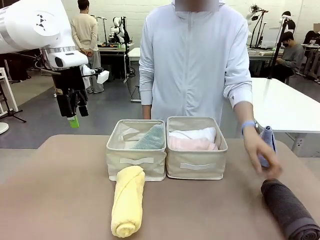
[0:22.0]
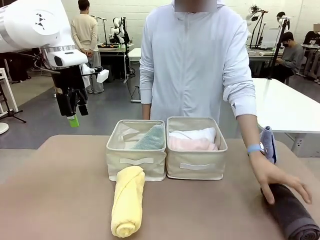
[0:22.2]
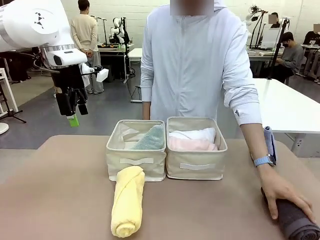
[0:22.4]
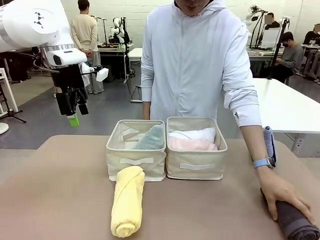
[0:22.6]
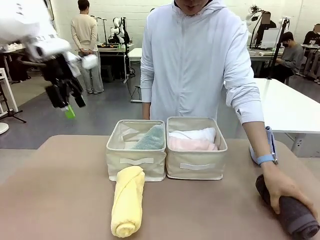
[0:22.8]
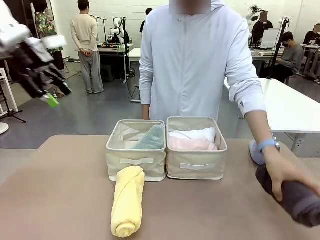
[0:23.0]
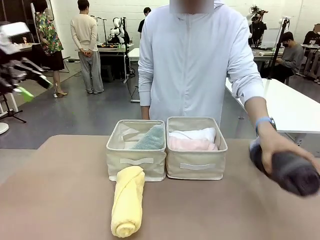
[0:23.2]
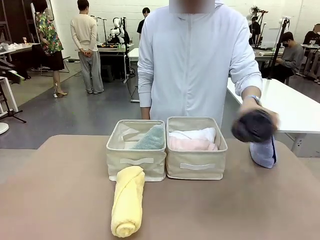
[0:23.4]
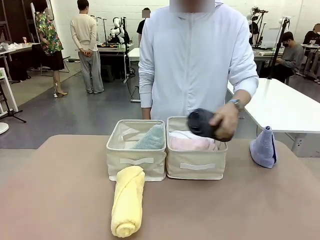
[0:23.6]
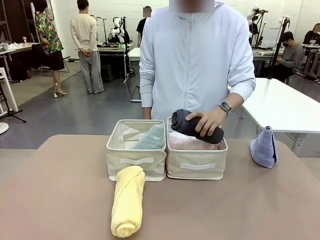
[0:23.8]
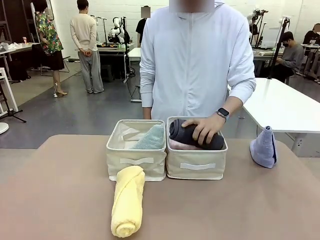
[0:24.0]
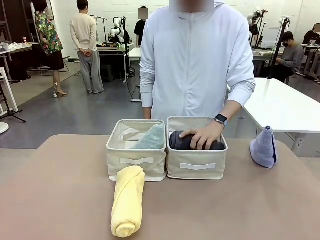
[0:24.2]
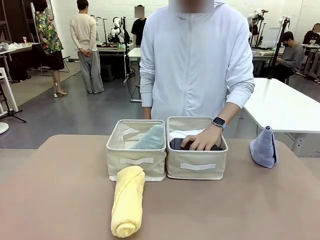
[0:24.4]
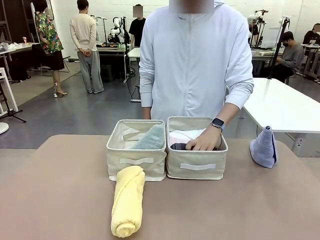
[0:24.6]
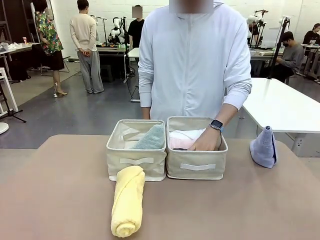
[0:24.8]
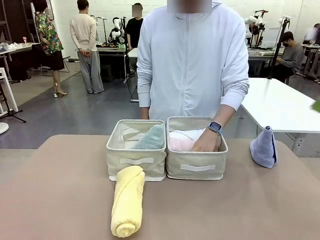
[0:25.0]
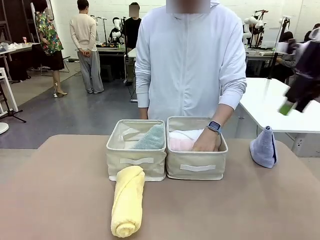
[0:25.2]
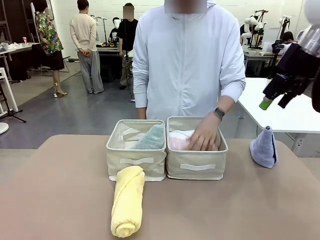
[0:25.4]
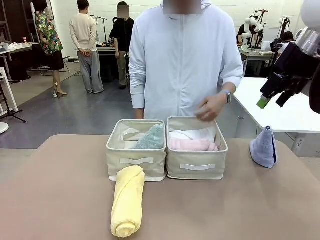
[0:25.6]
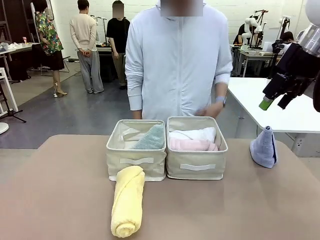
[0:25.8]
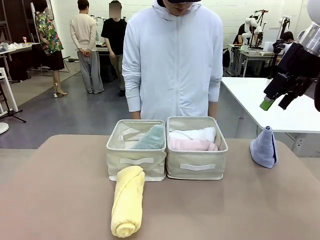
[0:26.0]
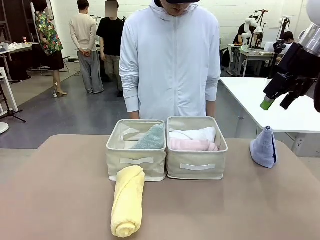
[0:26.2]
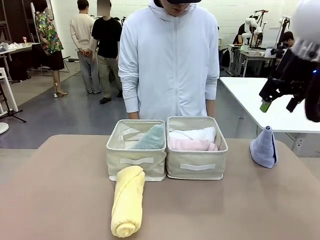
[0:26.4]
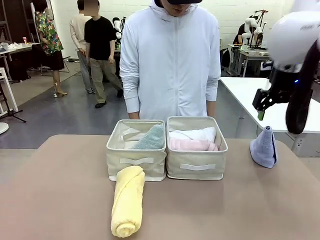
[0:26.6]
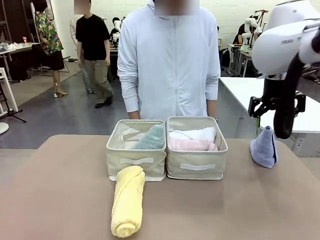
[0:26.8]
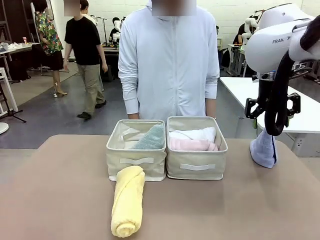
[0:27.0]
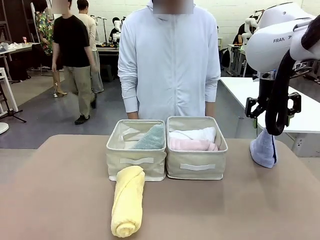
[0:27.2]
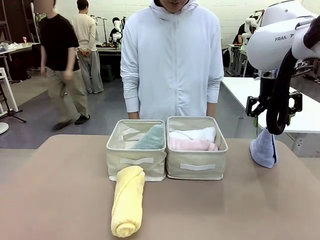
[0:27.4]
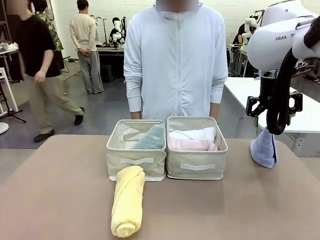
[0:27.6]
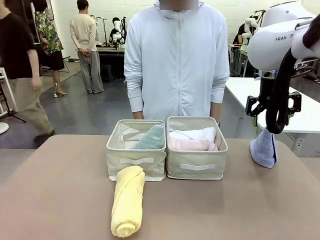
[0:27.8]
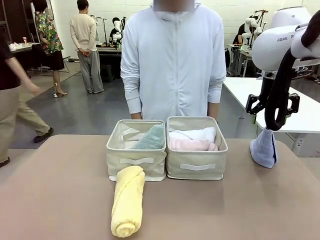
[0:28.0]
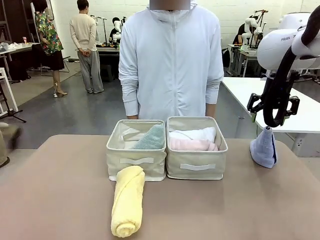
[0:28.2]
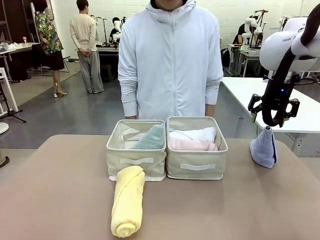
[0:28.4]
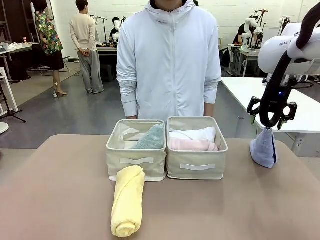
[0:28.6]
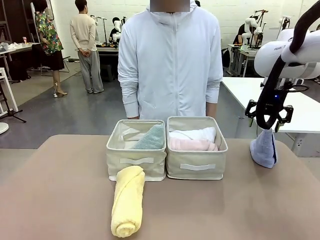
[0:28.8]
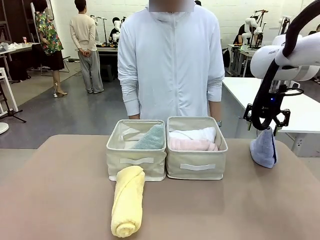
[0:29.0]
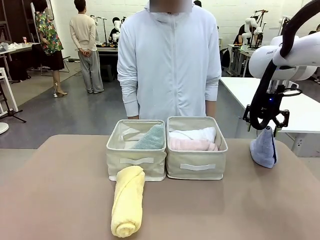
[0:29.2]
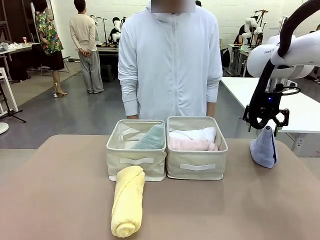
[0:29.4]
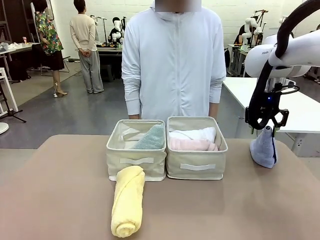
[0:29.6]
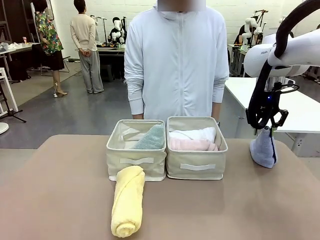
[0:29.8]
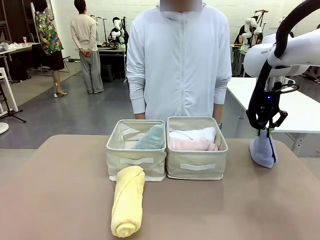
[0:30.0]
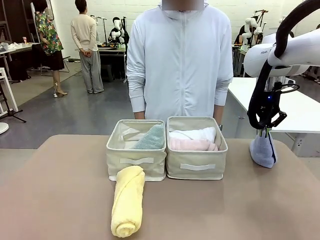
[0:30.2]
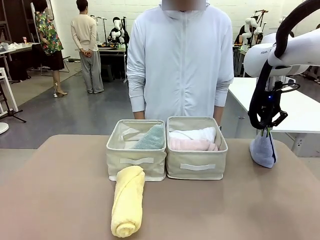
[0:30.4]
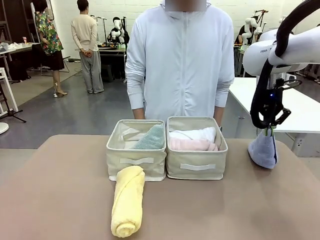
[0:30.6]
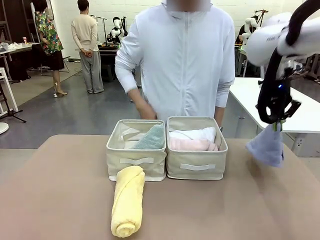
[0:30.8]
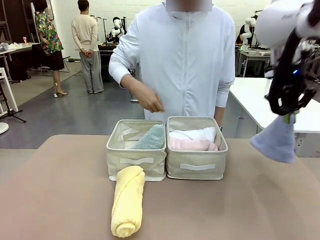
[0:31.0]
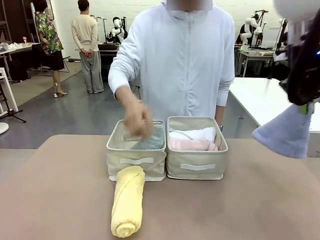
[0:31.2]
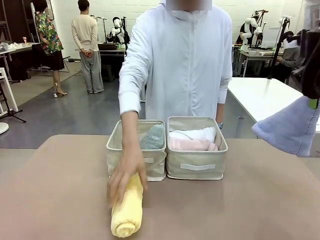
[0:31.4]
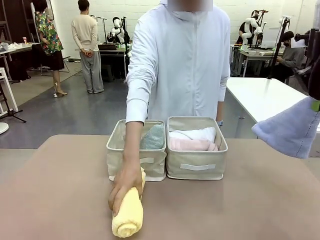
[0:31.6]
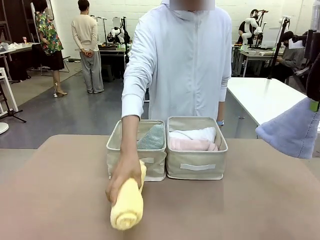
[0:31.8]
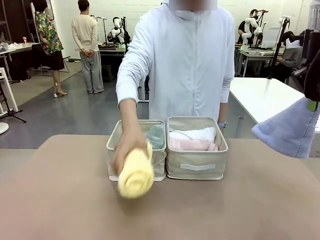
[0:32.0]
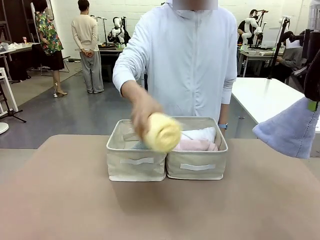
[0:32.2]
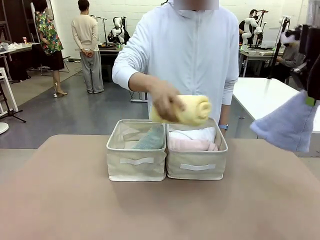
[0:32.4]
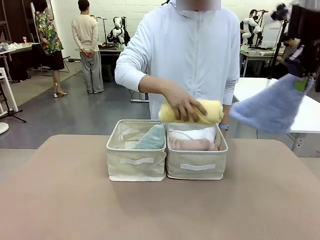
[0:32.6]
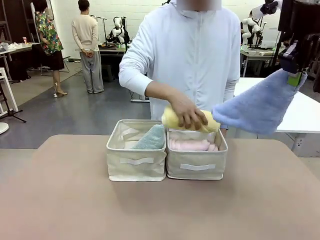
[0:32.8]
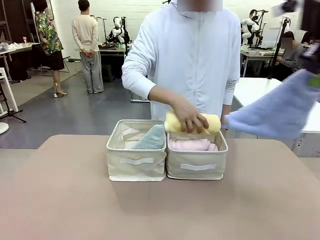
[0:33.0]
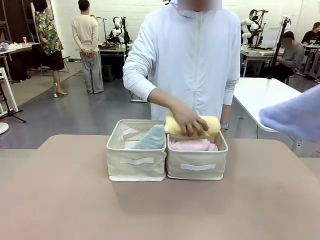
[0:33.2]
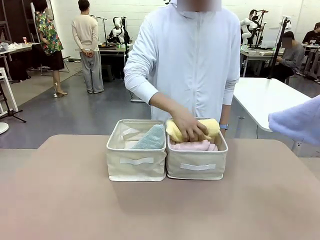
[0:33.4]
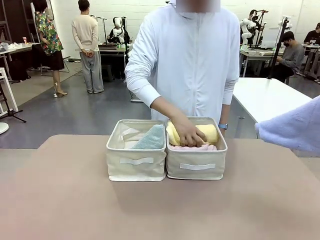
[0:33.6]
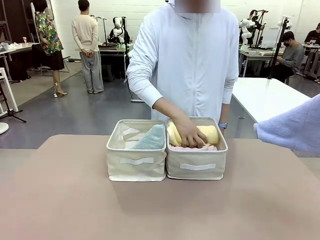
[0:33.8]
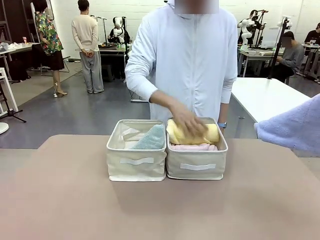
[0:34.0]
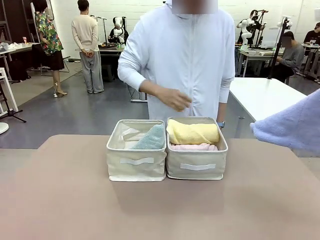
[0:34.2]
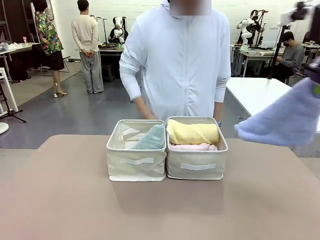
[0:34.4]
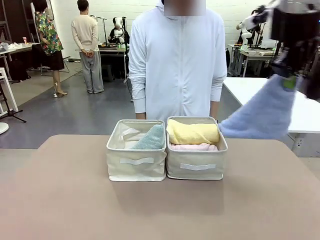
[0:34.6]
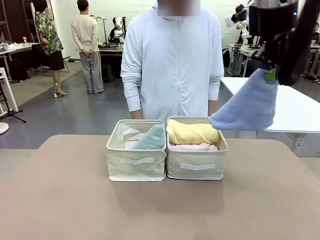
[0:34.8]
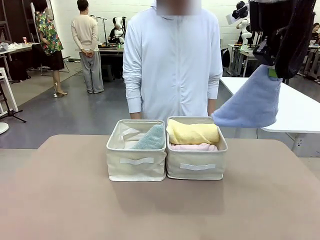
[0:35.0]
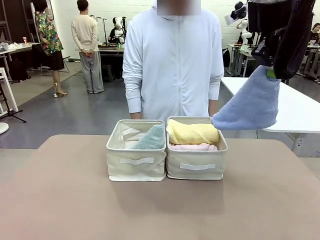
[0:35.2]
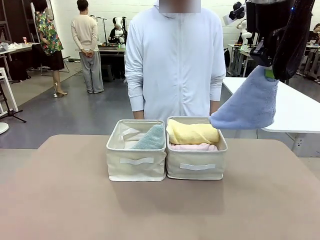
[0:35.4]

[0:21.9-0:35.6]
Task: Sort the towels based on their folding style.
Robot: Pick up another triangle-folded towel from the table and place it in the left Fabric basket.
